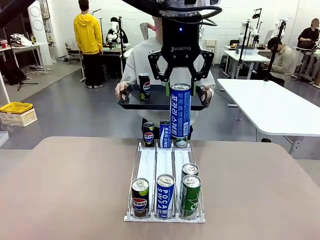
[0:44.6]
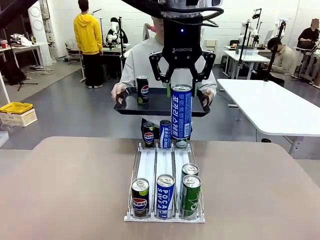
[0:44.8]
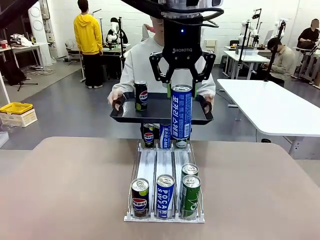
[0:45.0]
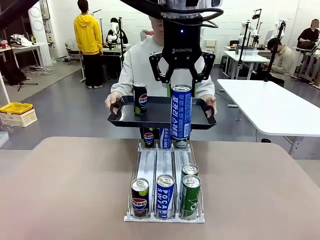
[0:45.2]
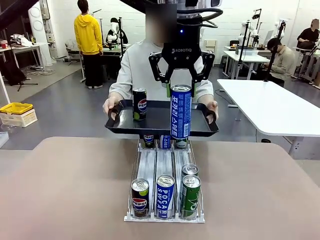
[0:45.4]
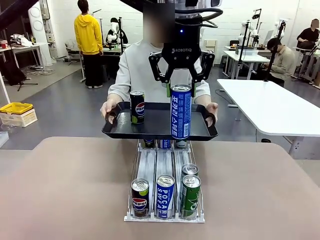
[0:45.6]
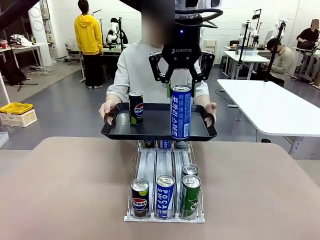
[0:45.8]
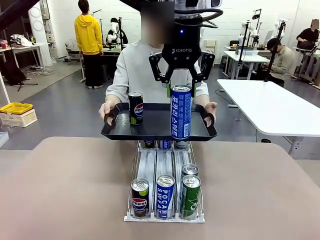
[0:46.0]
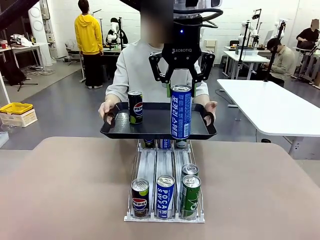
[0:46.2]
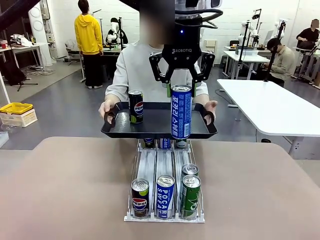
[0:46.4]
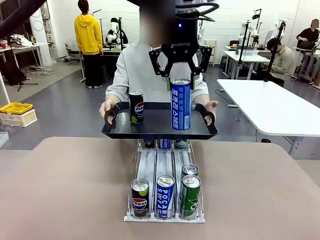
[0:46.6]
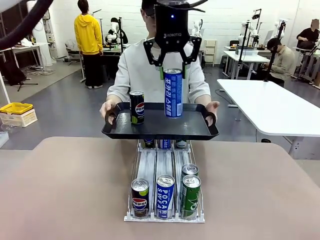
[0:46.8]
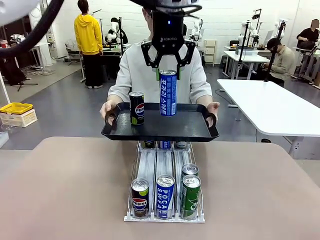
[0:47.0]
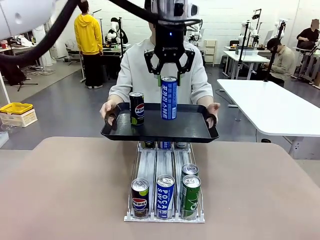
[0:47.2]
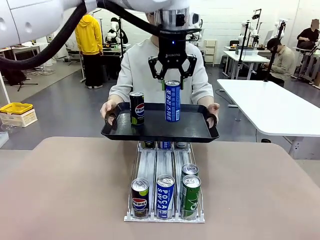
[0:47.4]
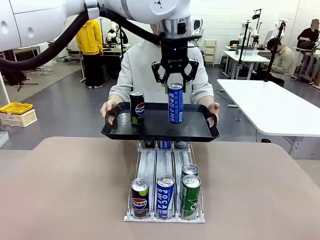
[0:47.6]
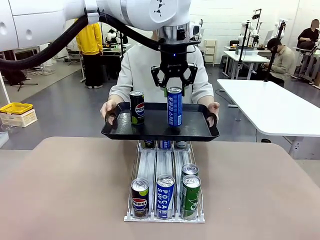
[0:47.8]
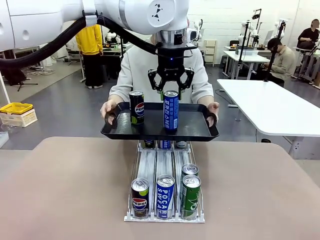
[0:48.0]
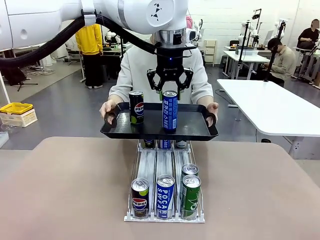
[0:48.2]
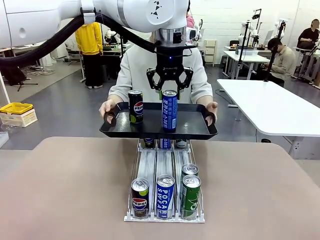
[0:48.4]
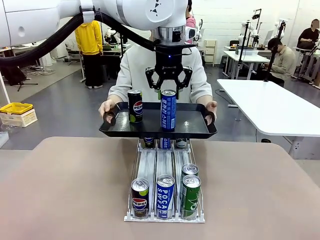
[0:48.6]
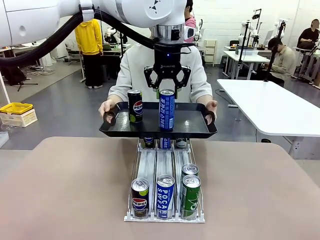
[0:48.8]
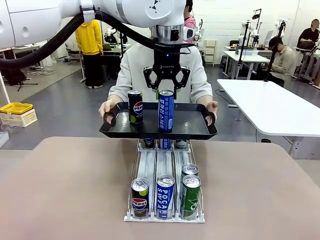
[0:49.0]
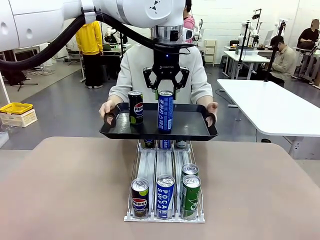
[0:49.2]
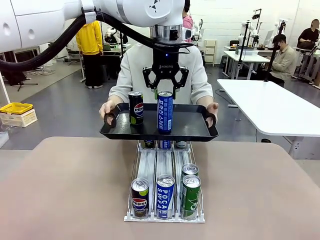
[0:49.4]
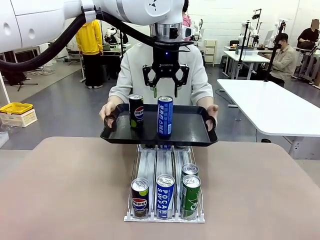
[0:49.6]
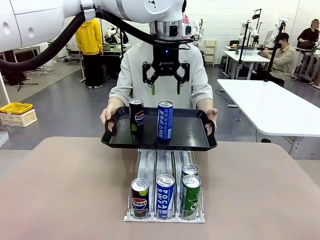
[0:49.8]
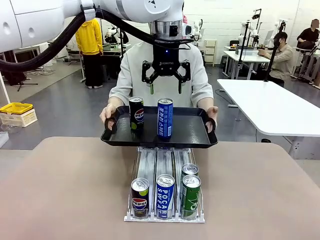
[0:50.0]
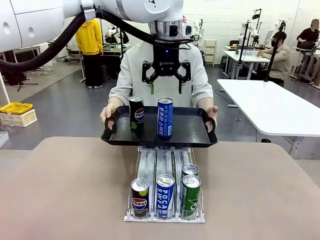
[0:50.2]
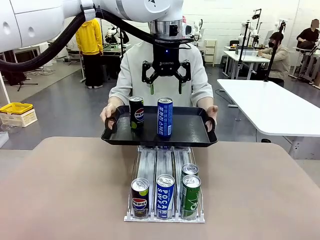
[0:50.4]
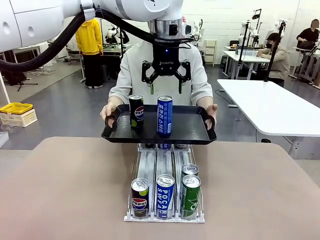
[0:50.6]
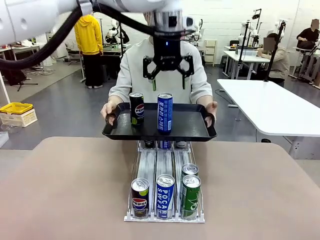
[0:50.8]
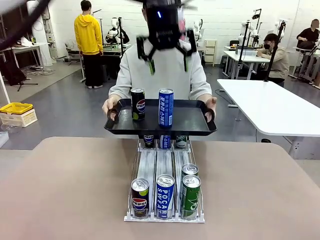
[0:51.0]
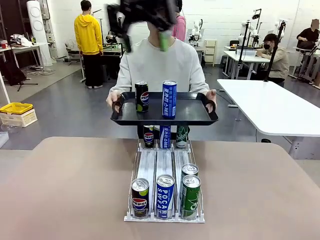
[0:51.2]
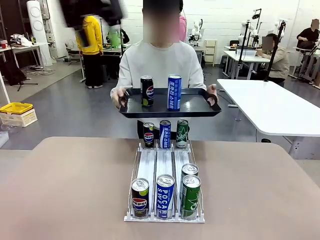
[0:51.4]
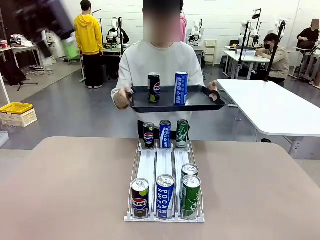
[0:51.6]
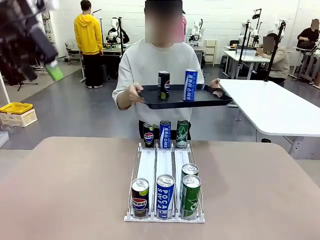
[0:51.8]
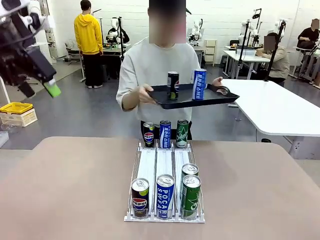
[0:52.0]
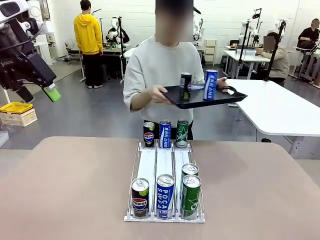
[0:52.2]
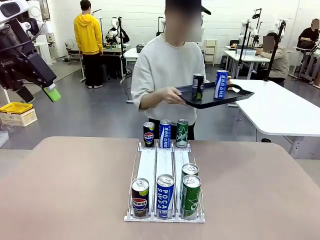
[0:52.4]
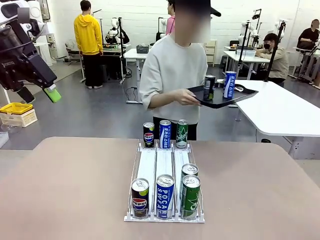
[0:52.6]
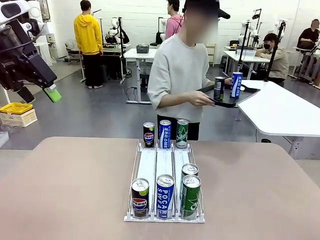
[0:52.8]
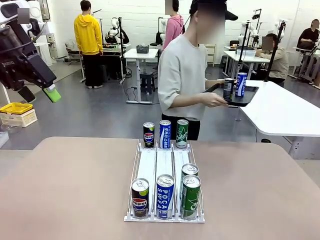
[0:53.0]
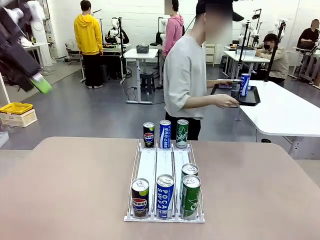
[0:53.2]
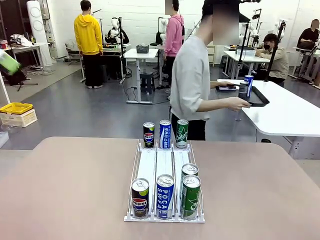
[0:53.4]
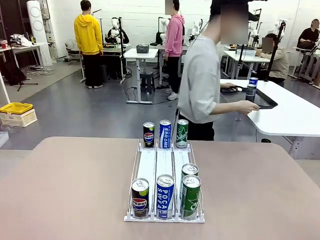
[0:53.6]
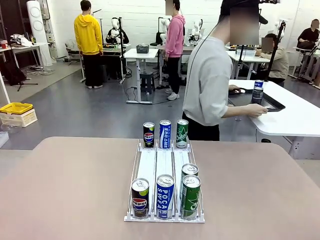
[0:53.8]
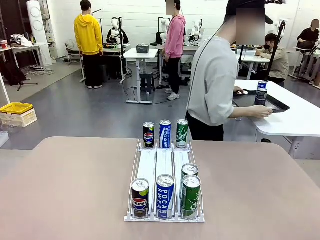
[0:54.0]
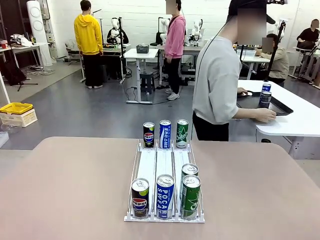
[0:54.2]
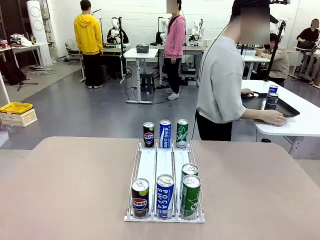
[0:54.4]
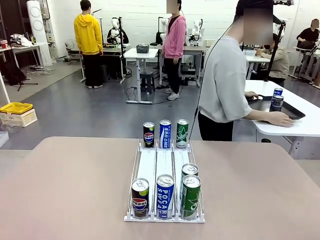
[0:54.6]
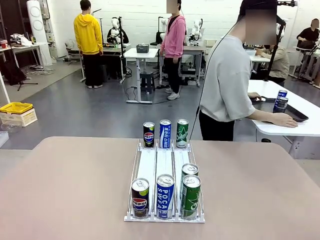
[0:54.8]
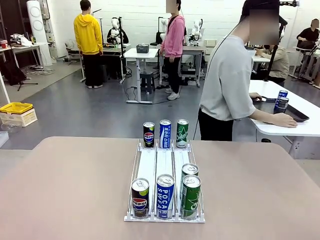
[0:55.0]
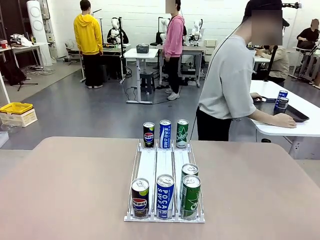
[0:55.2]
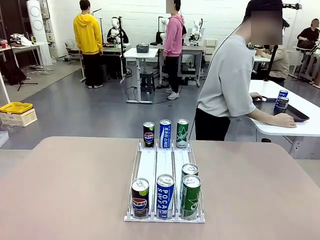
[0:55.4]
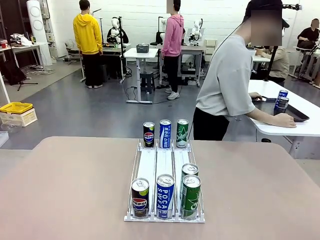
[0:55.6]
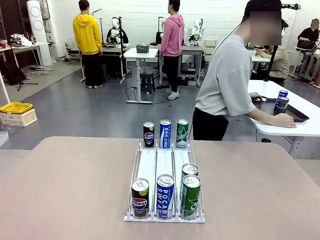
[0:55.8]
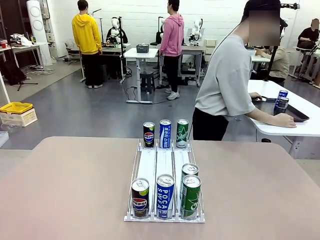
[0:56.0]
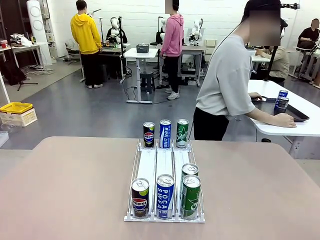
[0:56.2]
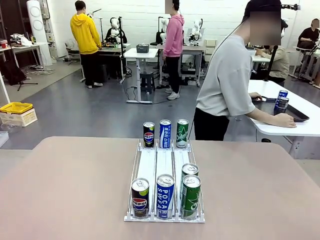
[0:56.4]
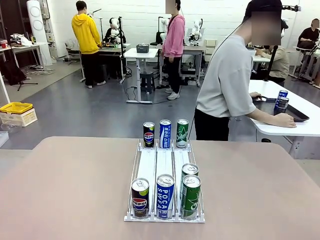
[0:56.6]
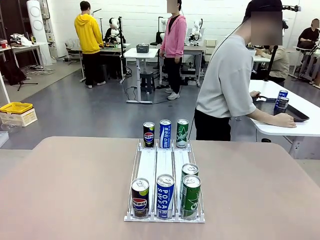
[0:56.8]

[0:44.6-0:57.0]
Task: Retrieve and hand over the desired beverage to the person.
Robot: Place the picked can on the Handle tray extended by the person.
Person: Pull the tray back and place it at the center of the human table.

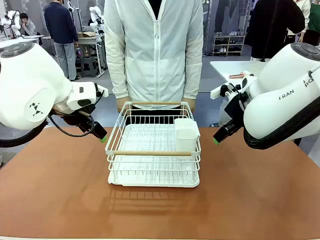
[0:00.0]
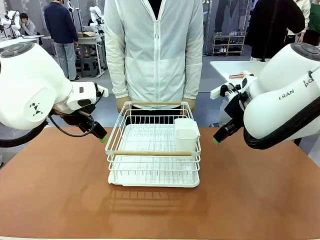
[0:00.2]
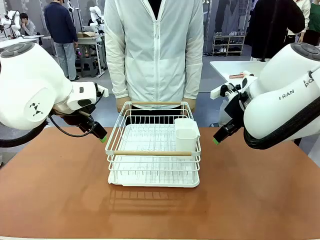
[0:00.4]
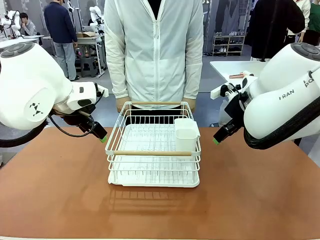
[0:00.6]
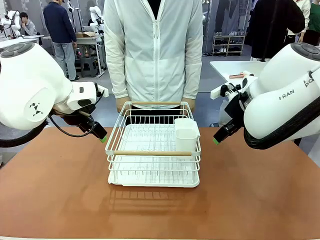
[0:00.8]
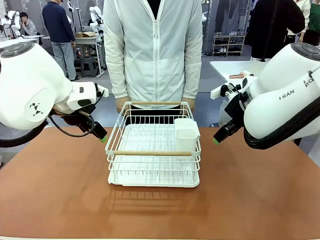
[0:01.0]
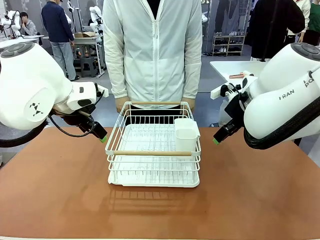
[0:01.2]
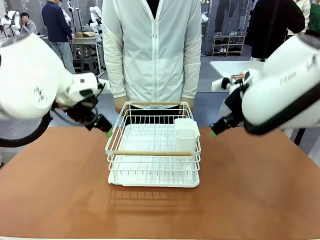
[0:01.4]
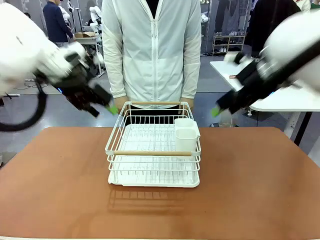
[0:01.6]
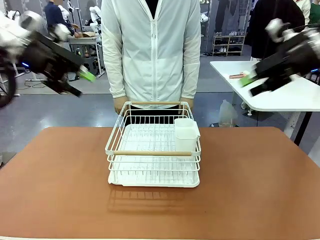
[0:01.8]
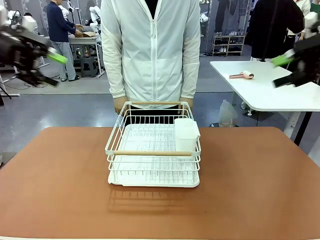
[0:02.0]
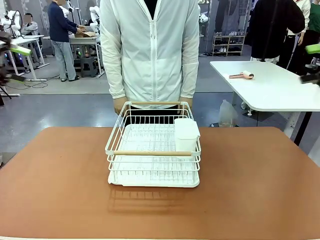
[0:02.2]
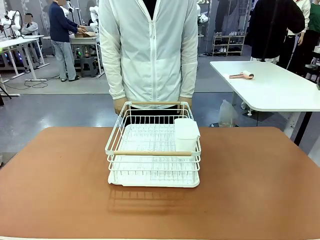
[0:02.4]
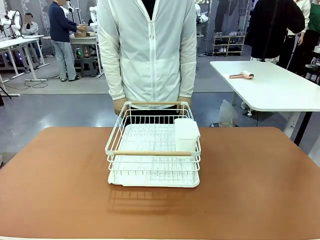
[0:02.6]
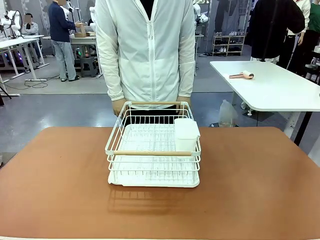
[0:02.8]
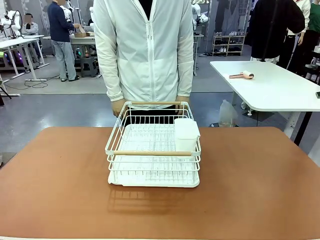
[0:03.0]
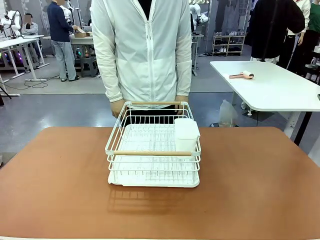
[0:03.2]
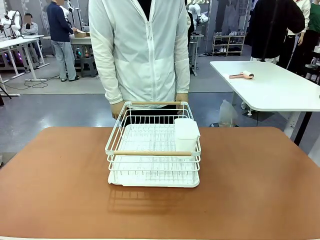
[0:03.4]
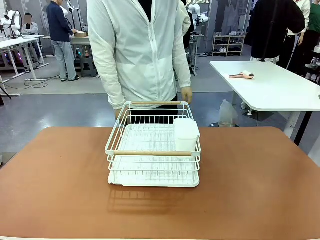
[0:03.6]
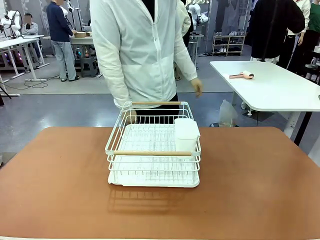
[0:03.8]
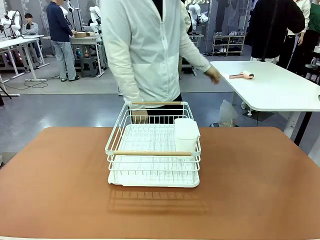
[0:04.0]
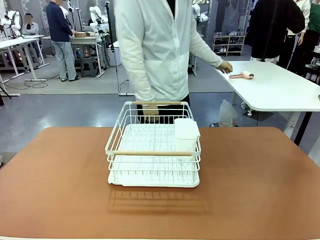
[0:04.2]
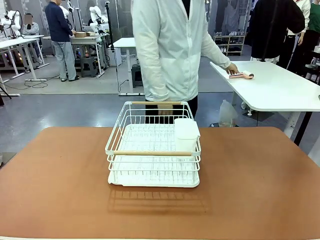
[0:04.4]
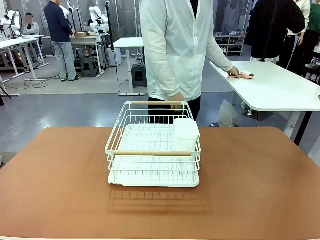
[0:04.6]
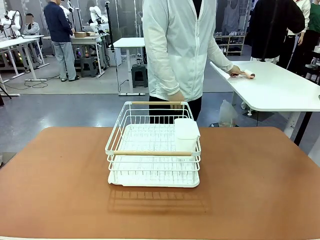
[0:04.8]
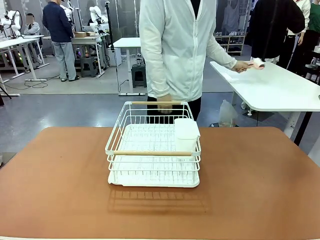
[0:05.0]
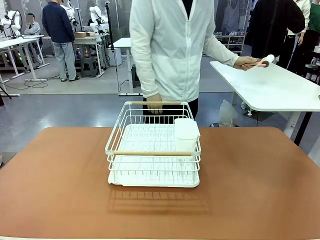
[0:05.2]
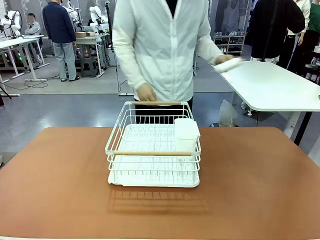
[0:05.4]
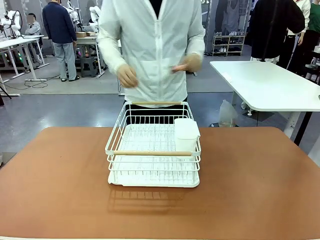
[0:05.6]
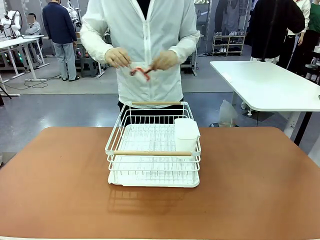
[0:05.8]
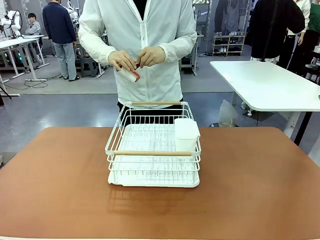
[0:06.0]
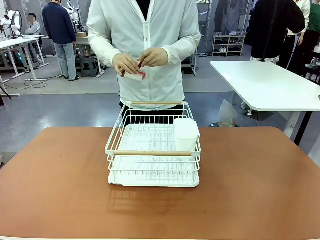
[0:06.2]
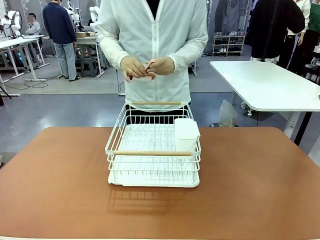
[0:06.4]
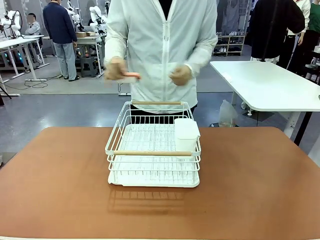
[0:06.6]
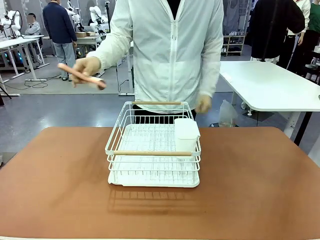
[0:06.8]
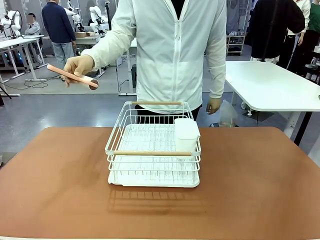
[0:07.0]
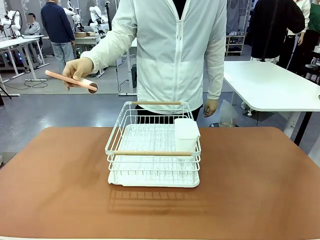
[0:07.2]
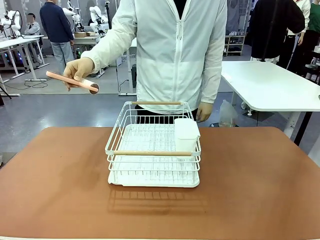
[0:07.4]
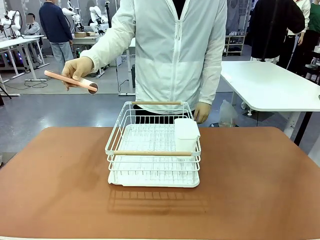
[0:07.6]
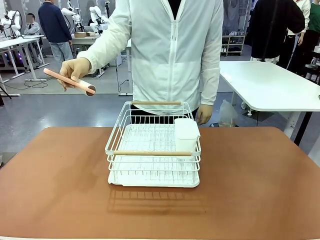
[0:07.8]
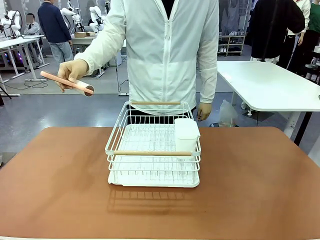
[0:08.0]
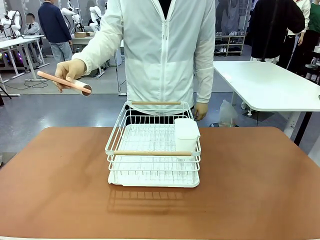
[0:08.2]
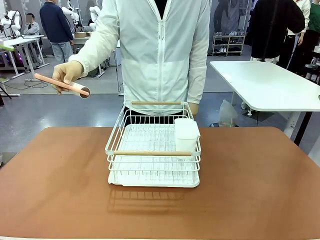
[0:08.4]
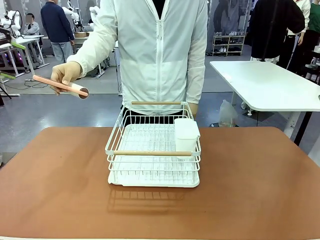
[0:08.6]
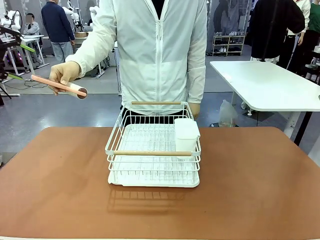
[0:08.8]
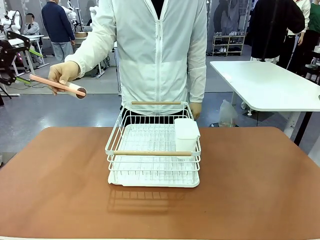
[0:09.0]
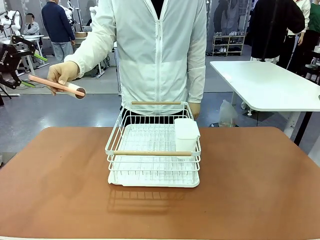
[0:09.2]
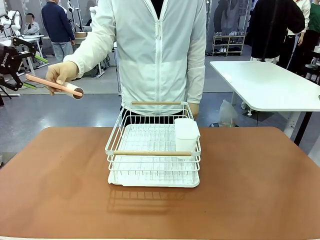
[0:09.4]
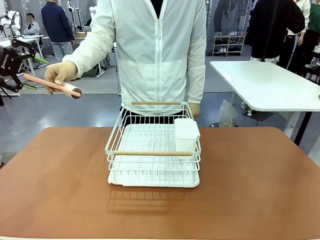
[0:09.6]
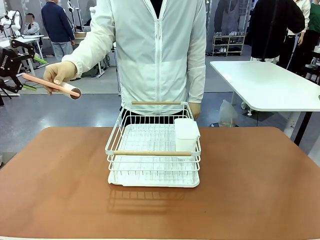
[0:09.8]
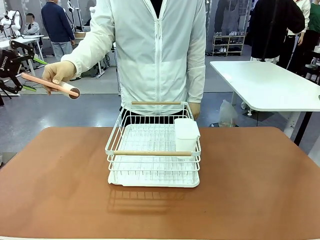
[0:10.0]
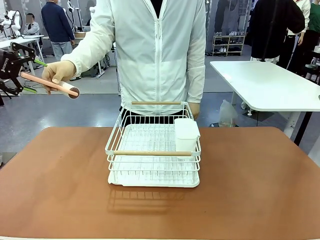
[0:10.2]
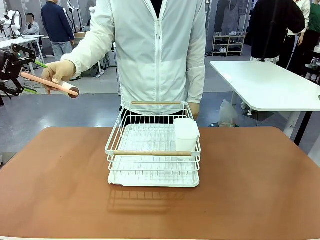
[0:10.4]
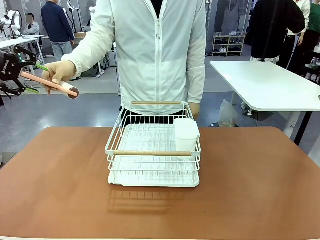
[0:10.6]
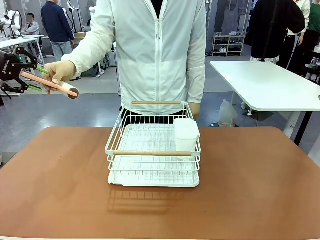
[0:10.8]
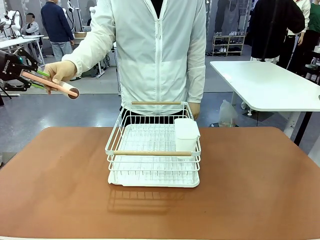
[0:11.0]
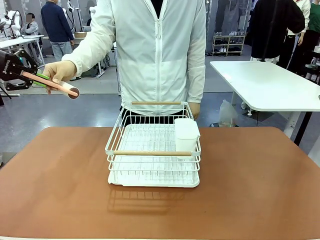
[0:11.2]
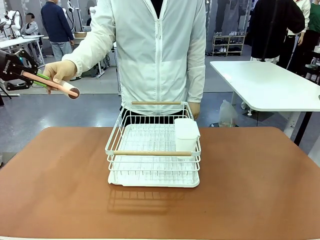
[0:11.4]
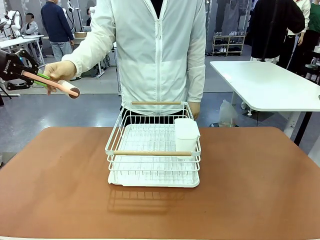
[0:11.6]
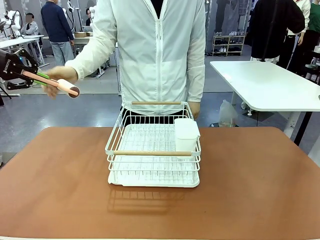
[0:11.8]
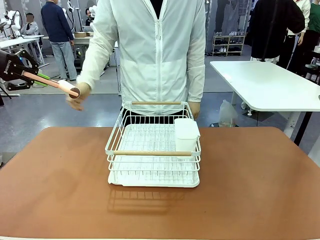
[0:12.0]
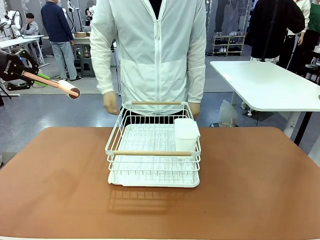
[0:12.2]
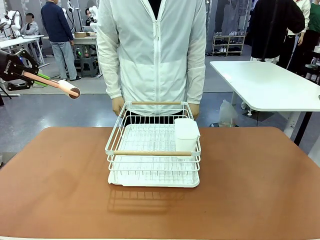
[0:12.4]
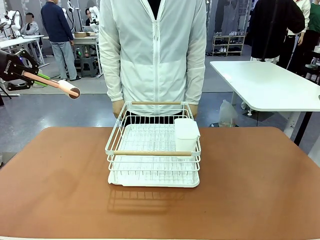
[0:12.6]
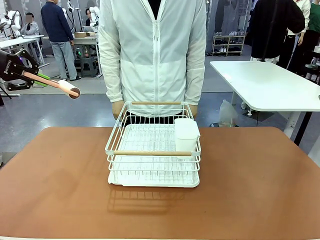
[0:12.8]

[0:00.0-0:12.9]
Task: Clean the table.
Robot: Pick up the Lint Roller when the human hands it over.
Person: Hand the Lint Roller to the robot so it can easily pick it up. Lift the Dish drying rack.
